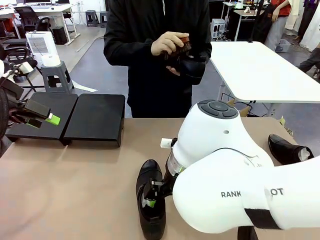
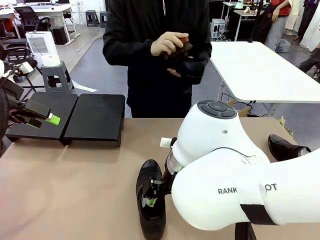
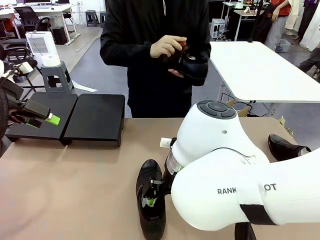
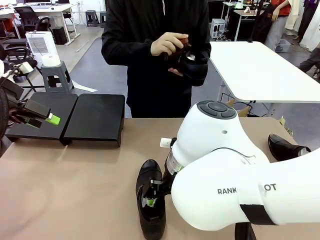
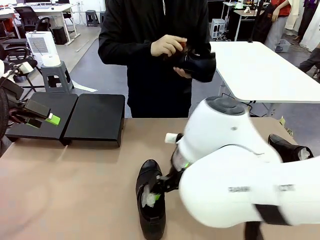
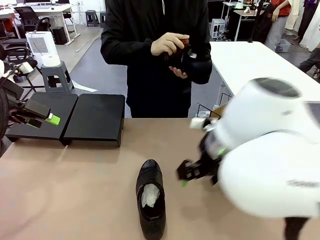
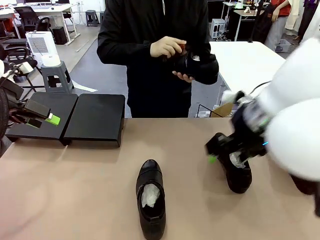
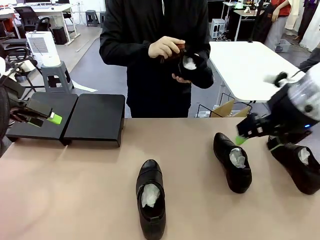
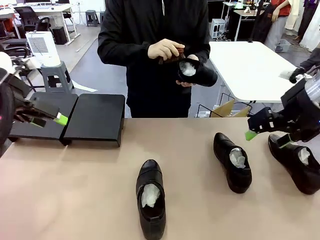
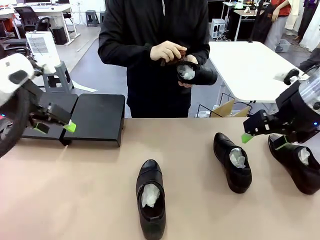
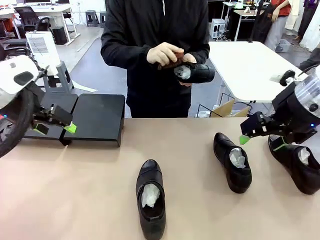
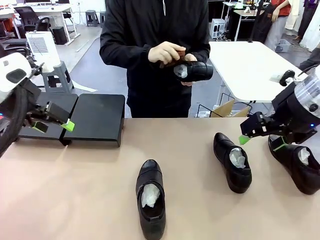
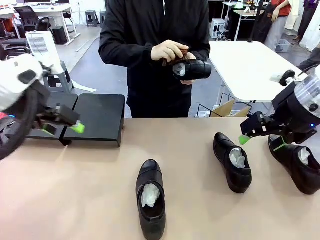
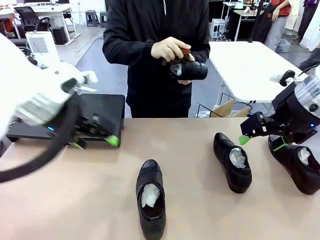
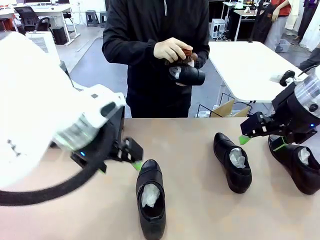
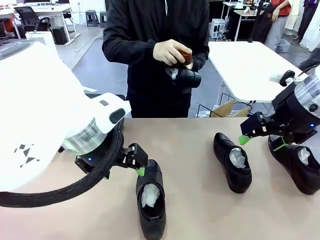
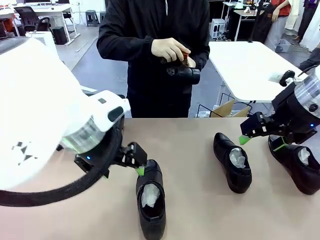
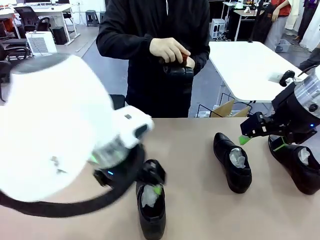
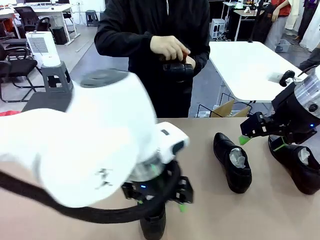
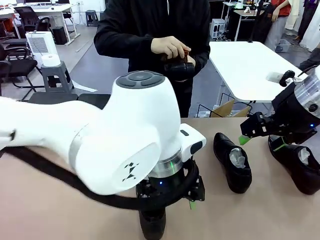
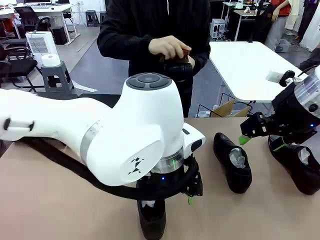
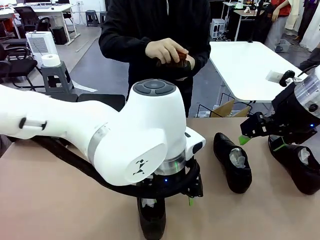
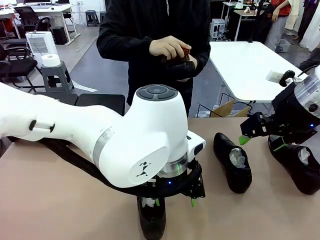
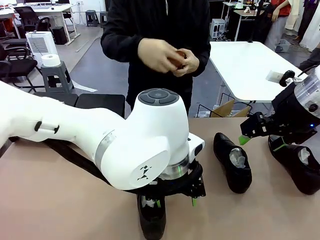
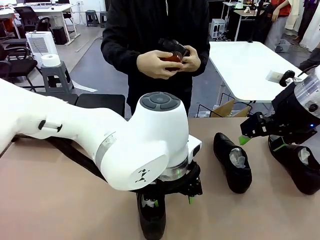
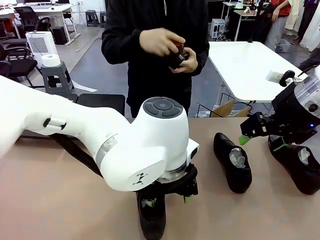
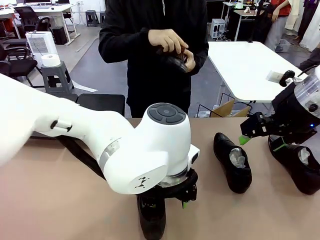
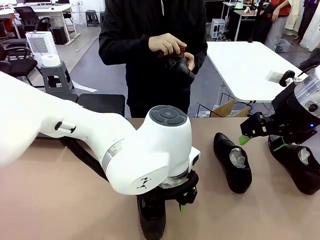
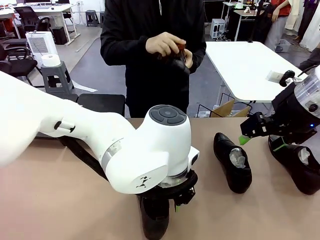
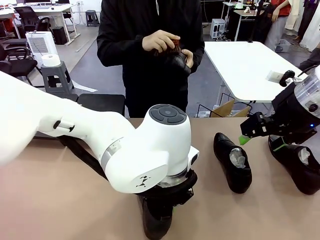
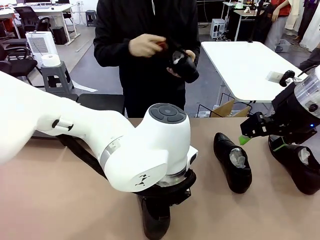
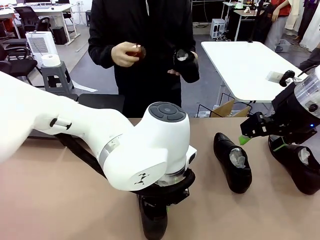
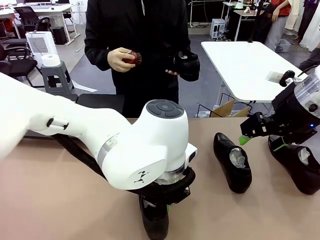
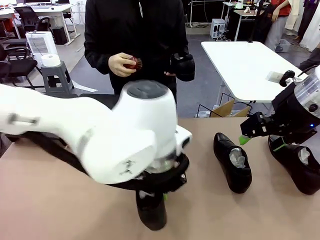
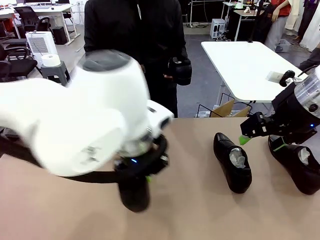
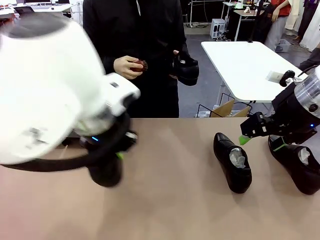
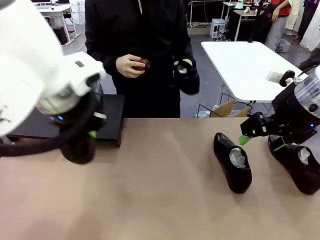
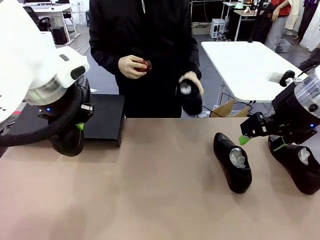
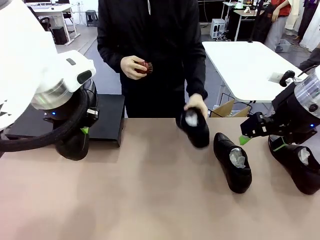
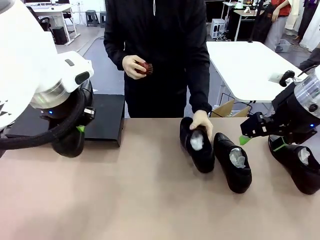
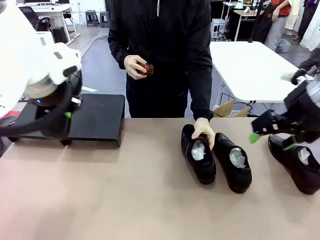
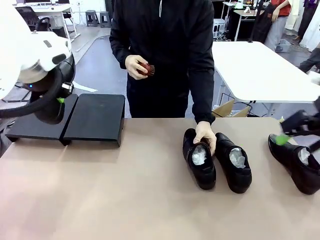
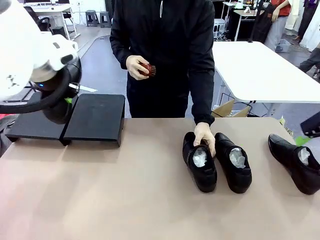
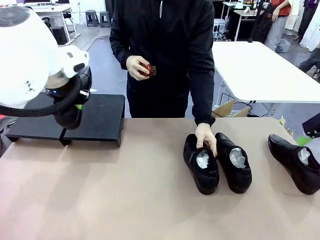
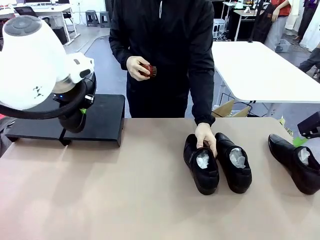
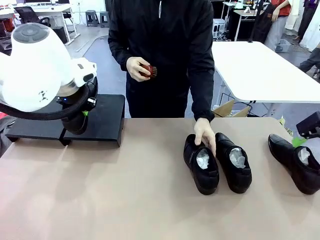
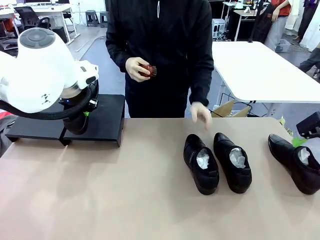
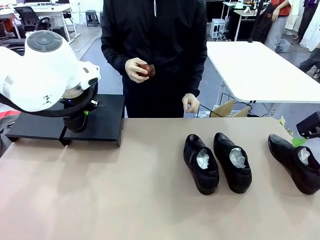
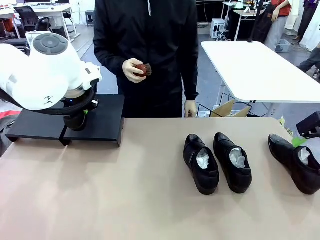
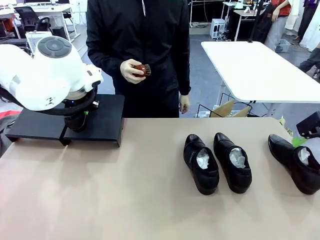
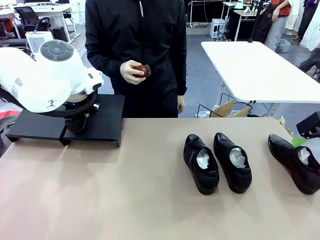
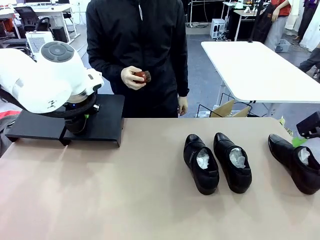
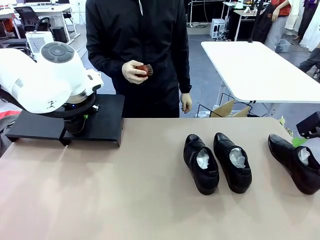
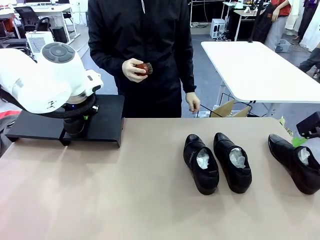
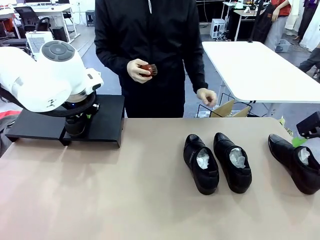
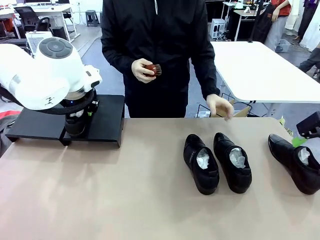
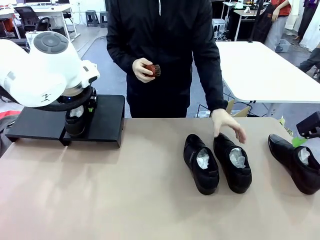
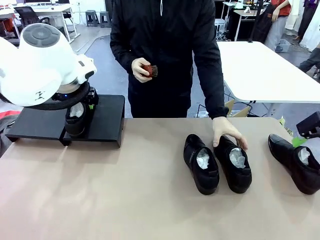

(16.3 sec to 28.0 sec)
Task: Organize the shoes by placing them on the stand.
Robot: Place the Shoe from the middle of the table onto the Shoes Stand.
Person: Place the Shoe on left side of the Robot's table.

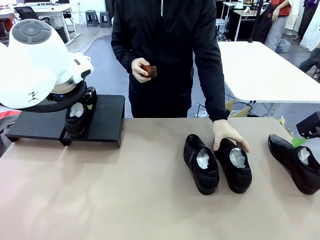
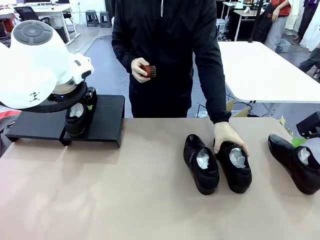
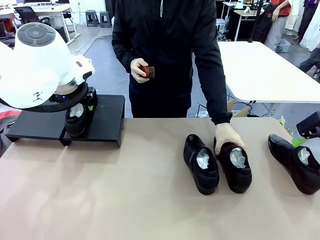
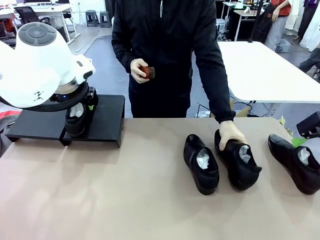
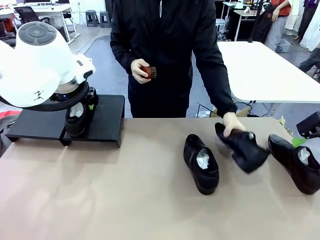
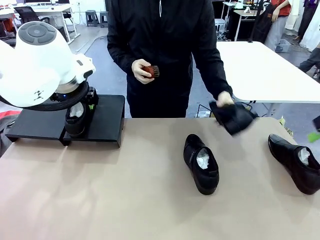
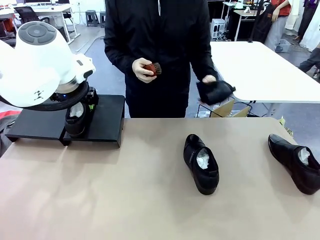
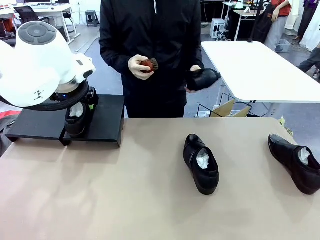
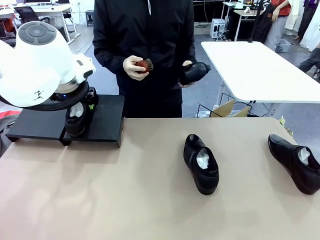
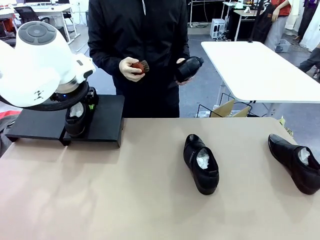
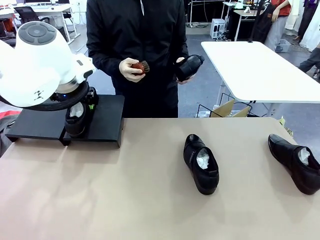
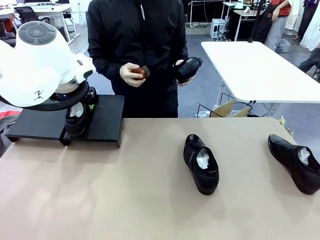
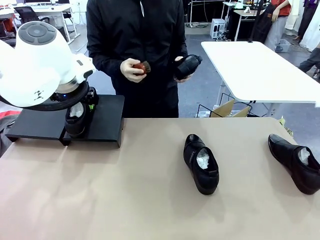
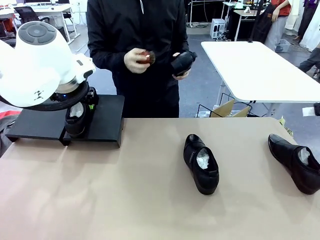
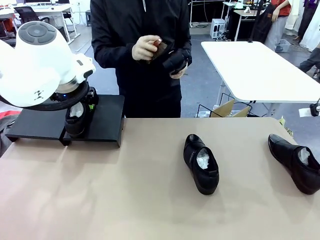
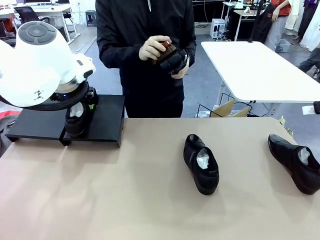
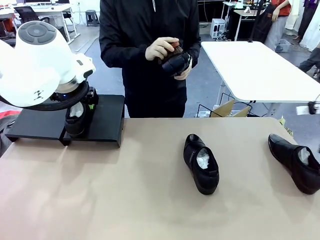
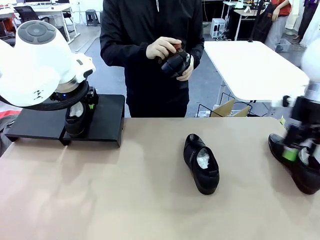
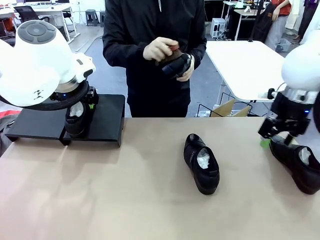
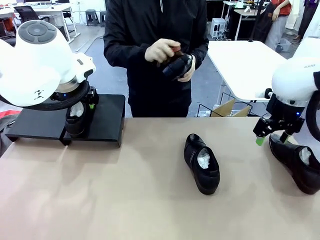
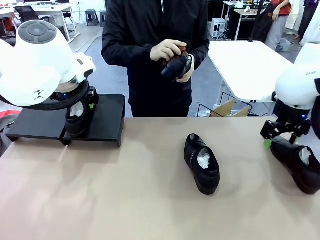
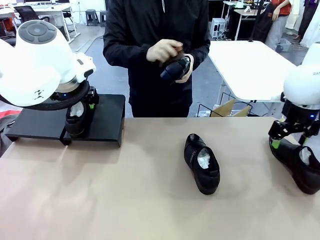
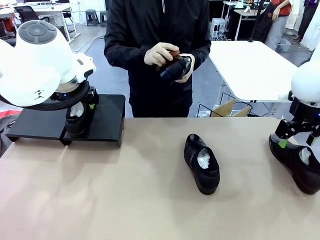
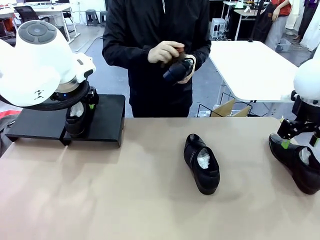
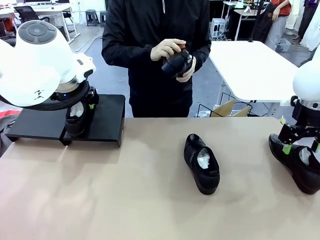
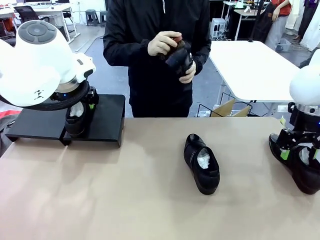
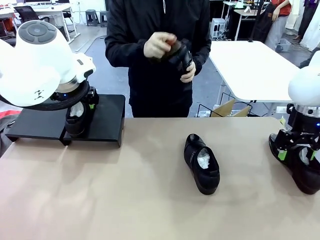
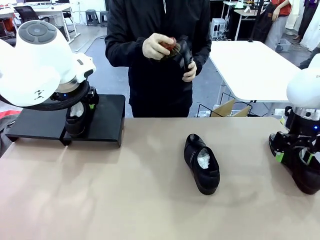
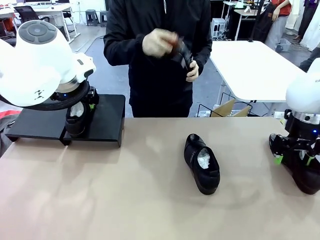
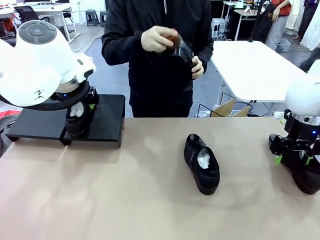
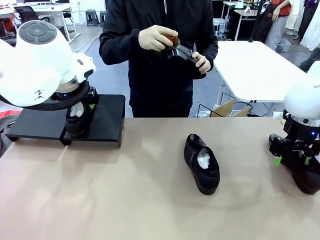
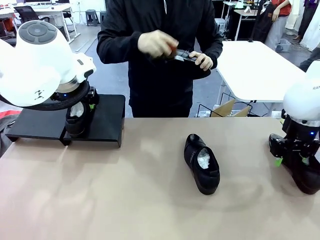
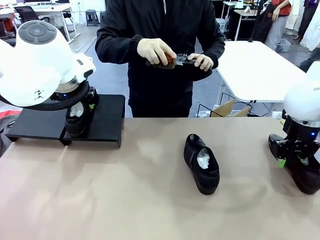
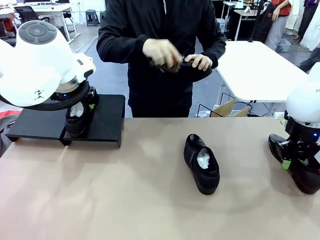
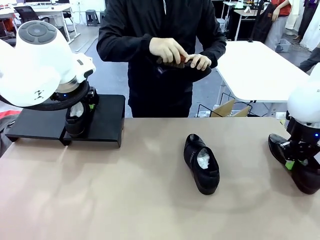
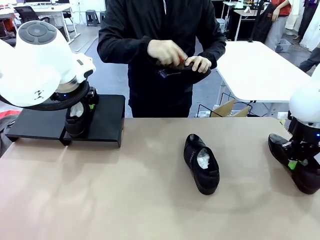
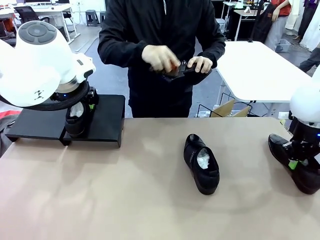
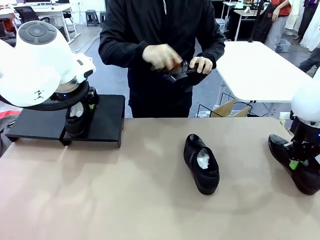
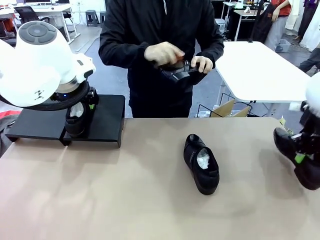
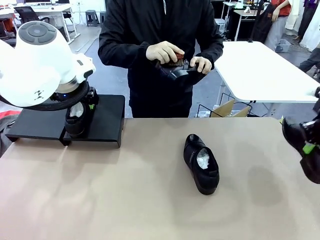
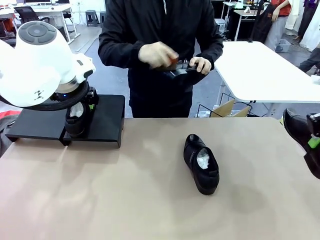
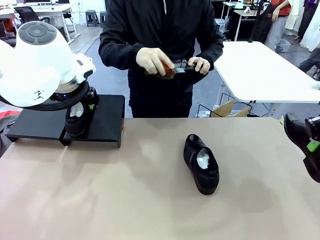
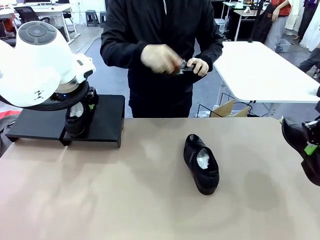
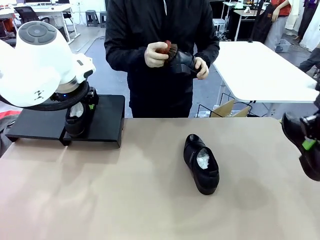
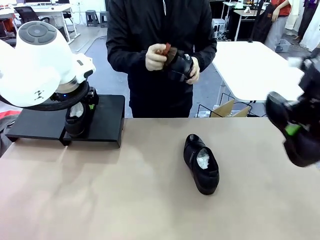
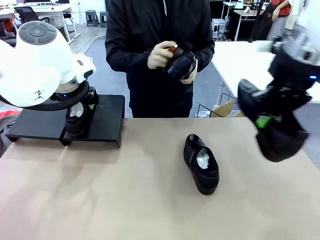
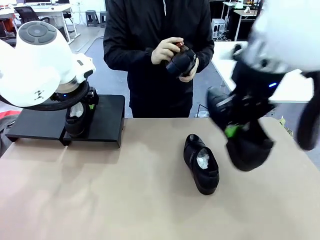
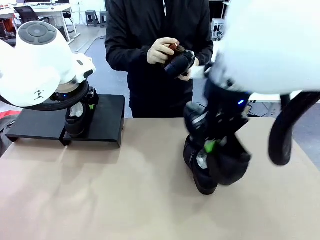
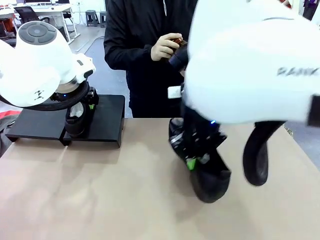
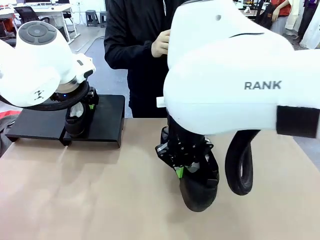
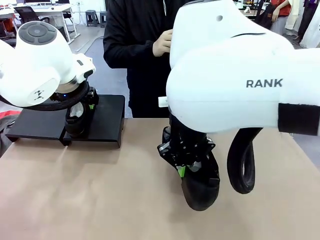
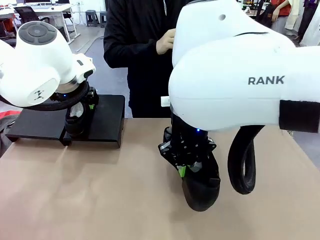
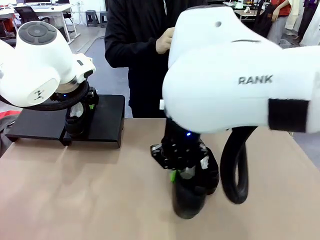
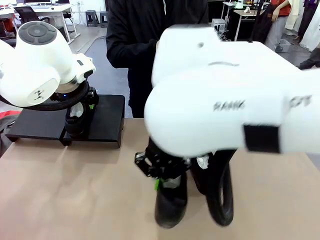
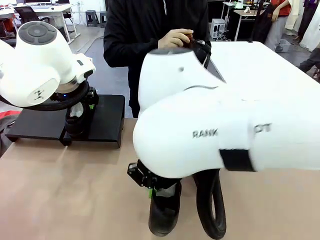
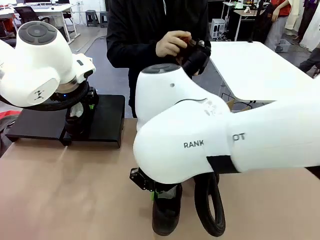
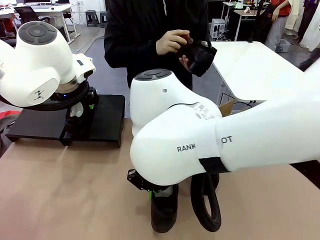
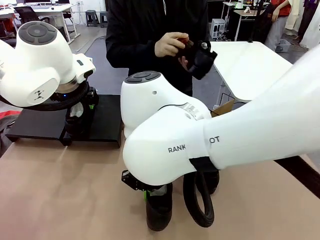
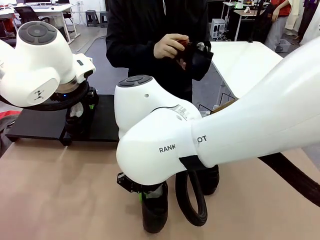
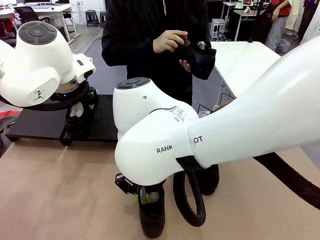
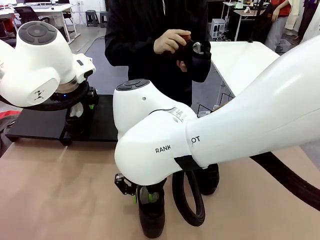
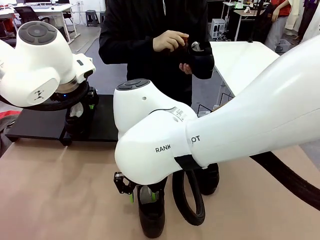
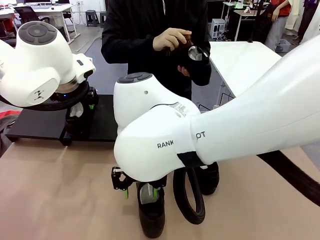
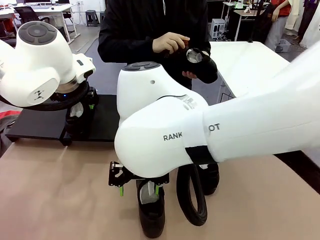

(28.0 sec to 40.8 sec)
Robot: Pick up one Shoe and place it in the middle of the table.
Person: Pick one Shoe on Robot's table. Clean the Shoe with the Shoe Brush.
